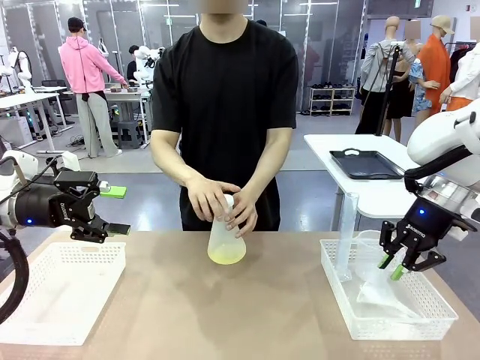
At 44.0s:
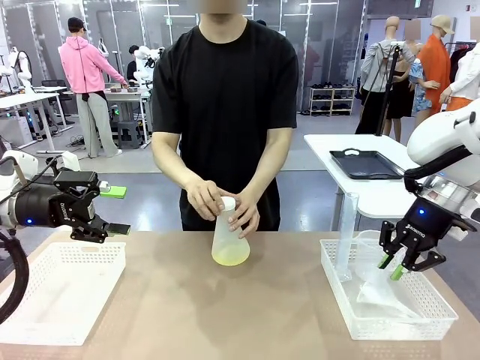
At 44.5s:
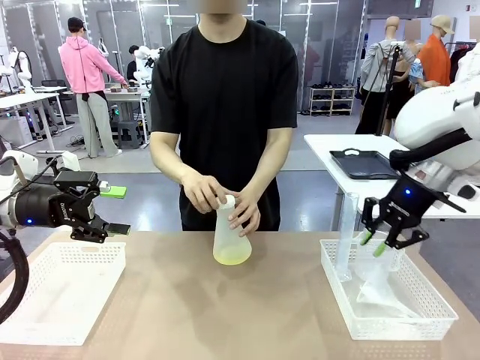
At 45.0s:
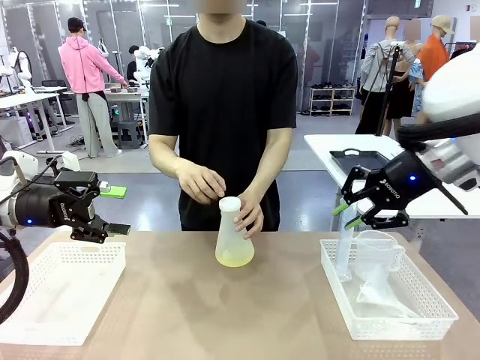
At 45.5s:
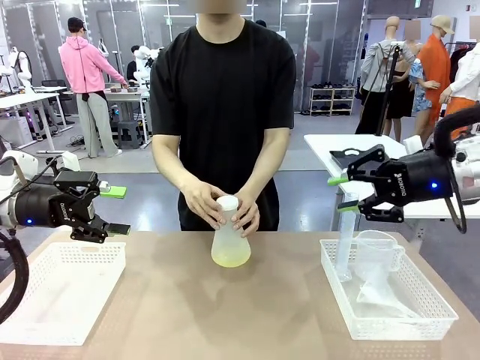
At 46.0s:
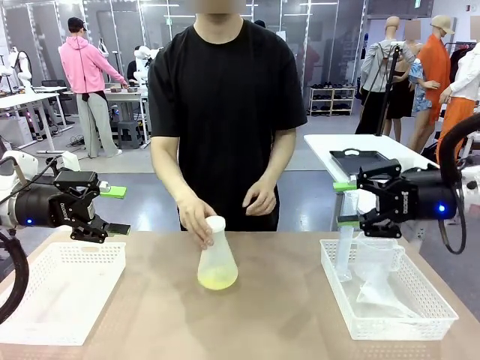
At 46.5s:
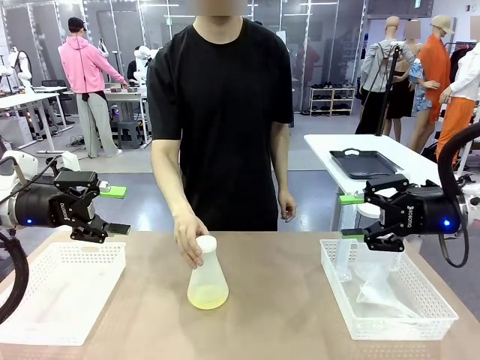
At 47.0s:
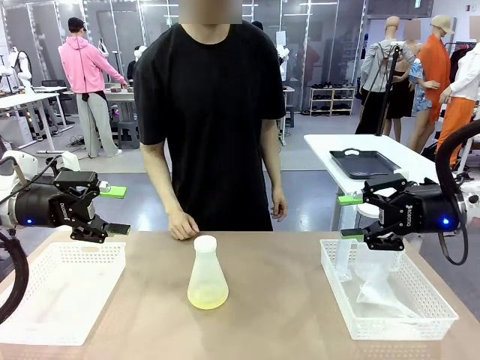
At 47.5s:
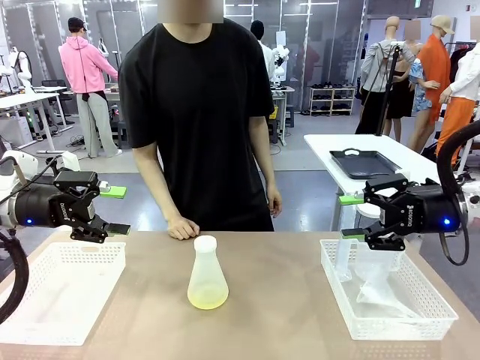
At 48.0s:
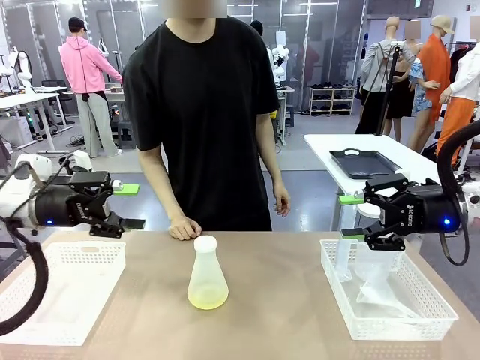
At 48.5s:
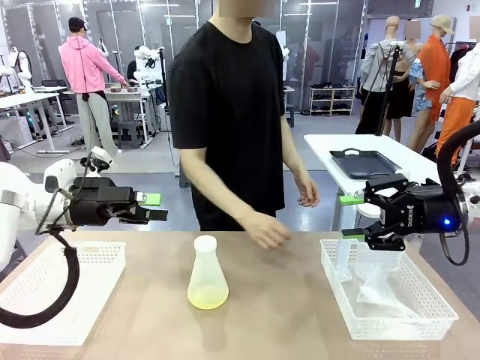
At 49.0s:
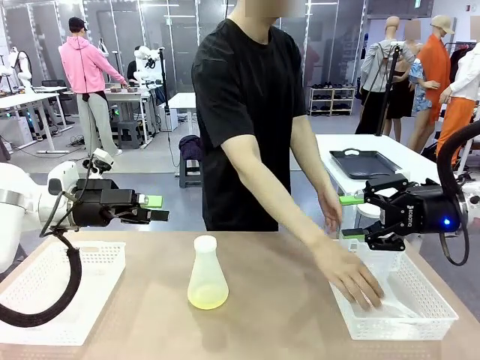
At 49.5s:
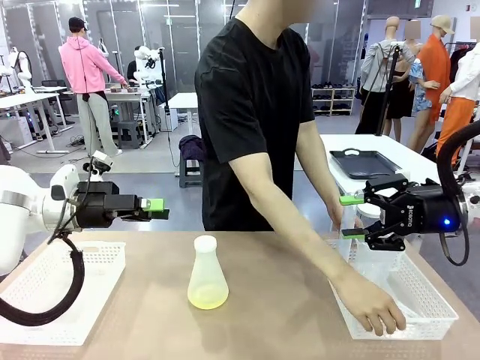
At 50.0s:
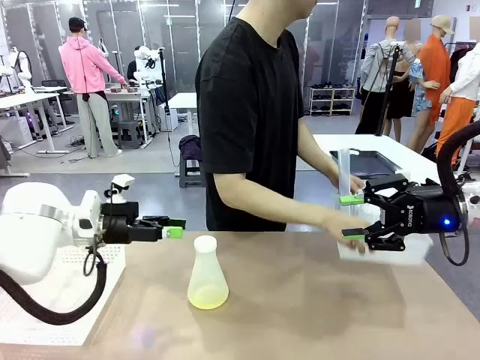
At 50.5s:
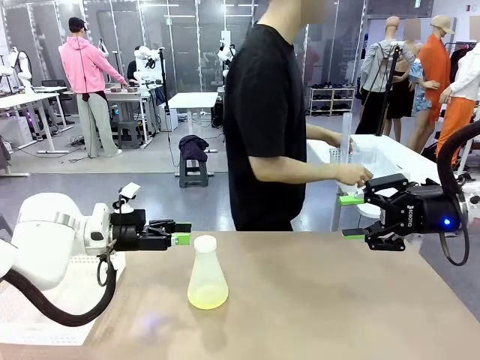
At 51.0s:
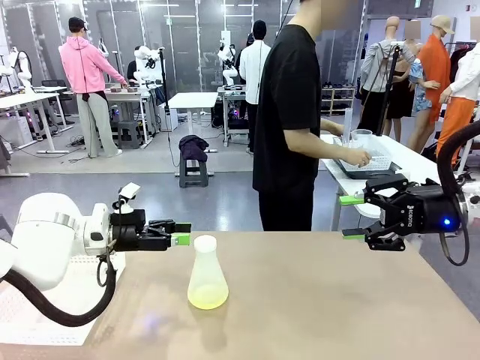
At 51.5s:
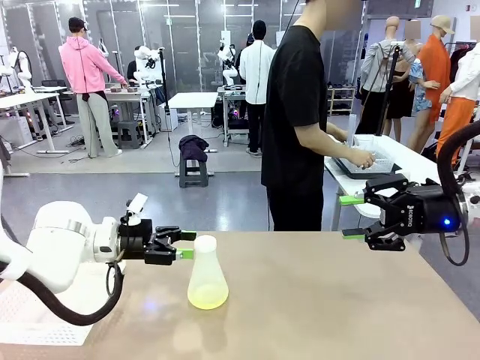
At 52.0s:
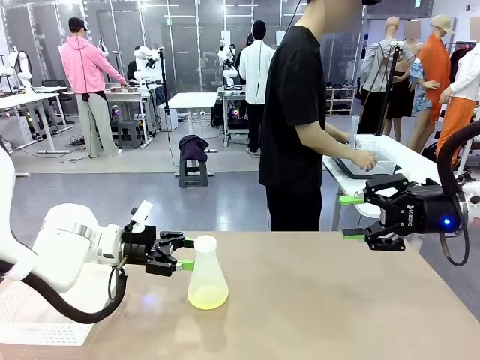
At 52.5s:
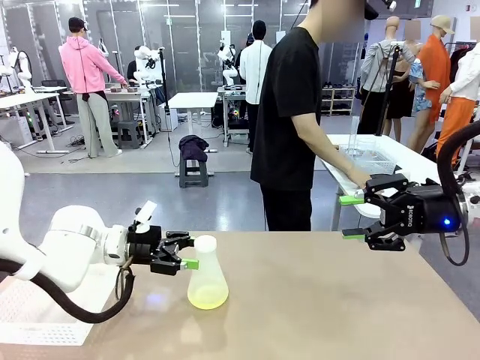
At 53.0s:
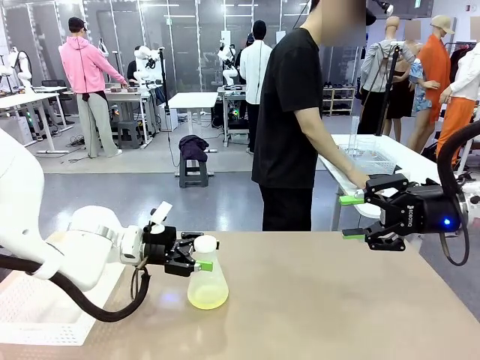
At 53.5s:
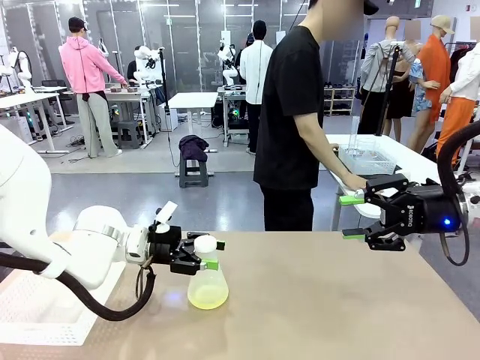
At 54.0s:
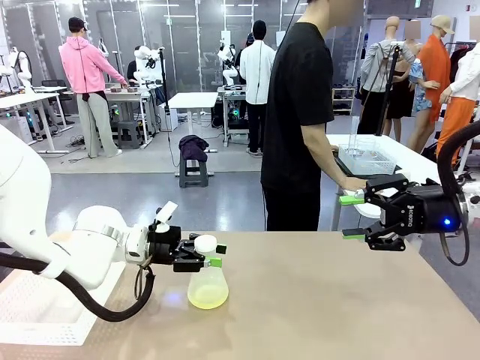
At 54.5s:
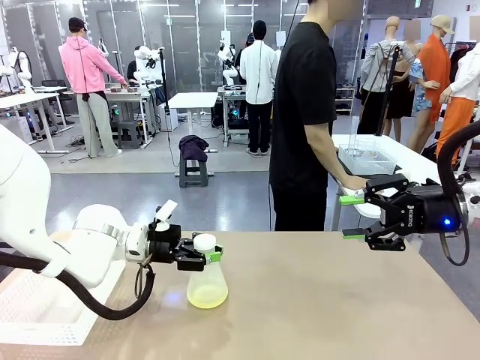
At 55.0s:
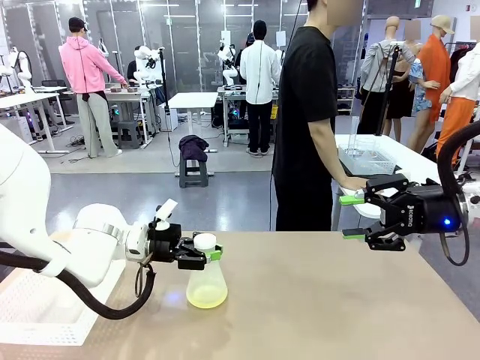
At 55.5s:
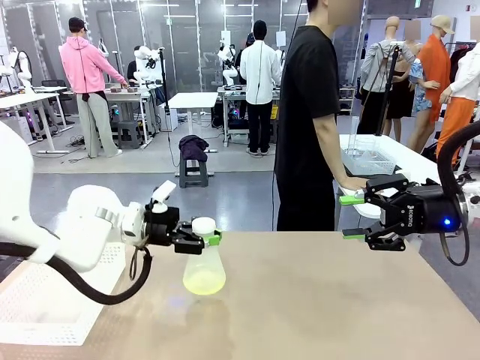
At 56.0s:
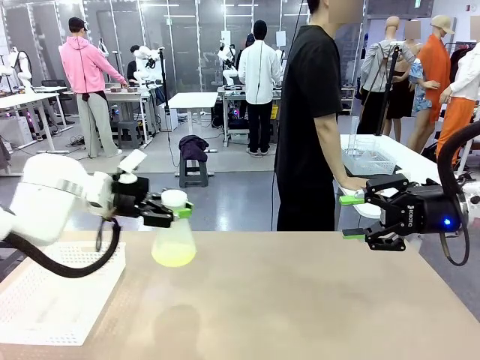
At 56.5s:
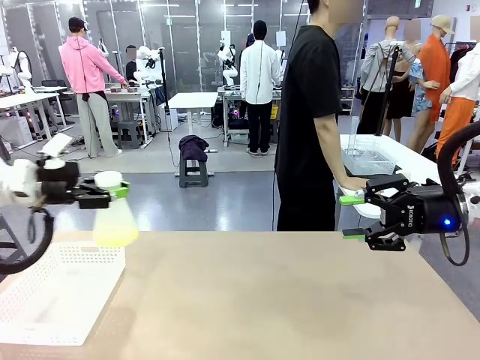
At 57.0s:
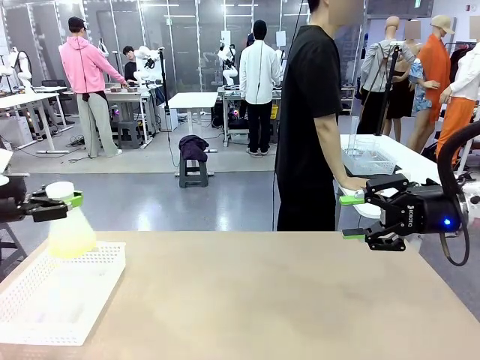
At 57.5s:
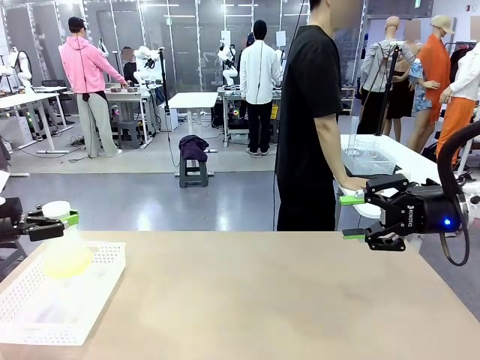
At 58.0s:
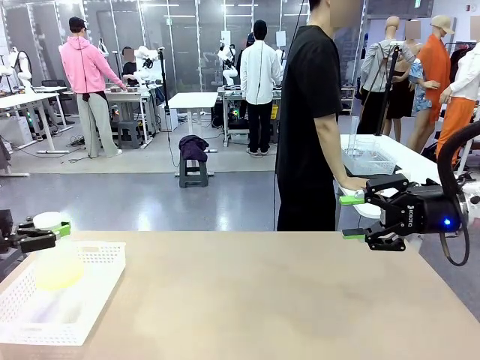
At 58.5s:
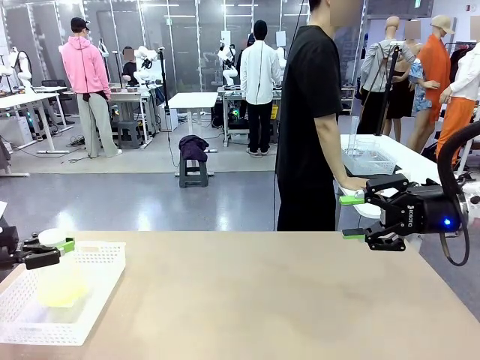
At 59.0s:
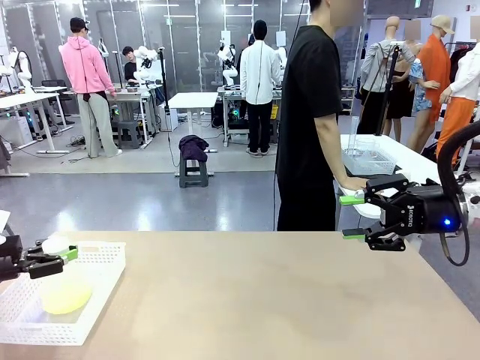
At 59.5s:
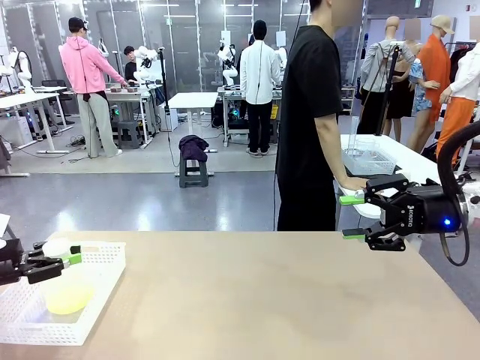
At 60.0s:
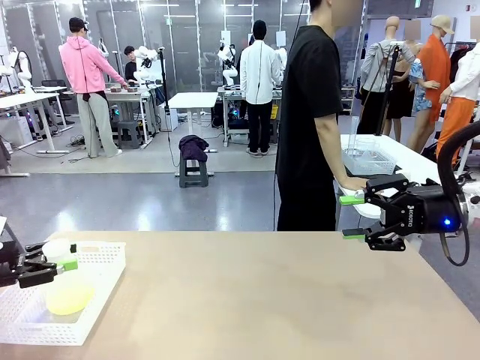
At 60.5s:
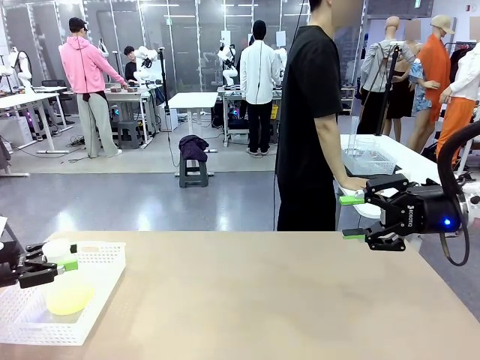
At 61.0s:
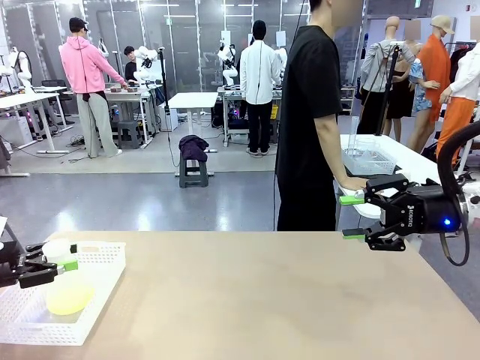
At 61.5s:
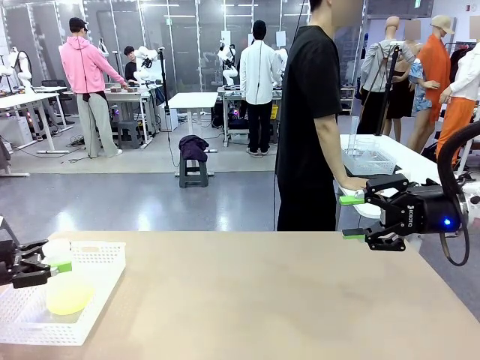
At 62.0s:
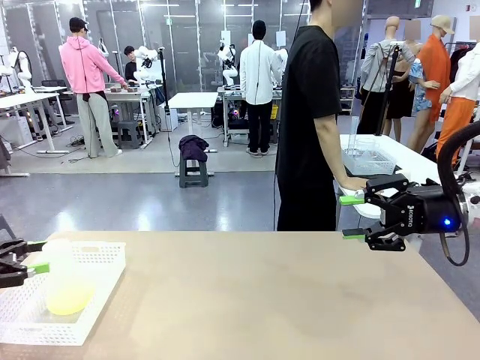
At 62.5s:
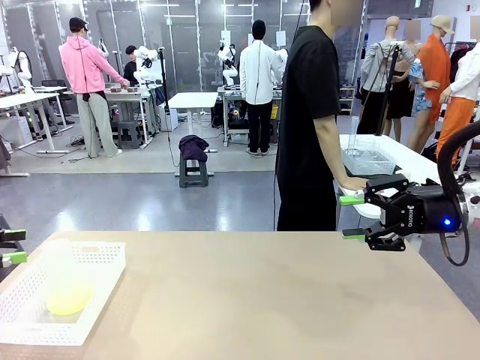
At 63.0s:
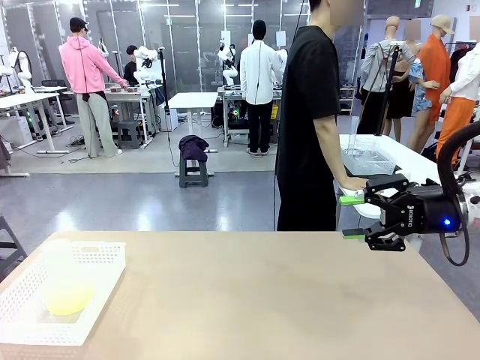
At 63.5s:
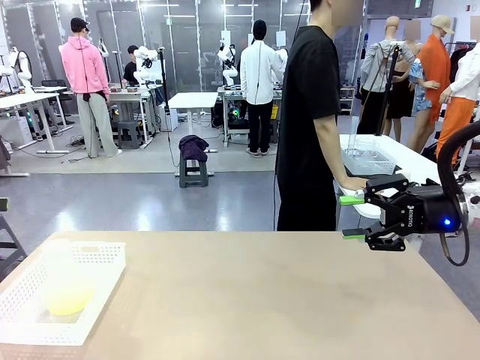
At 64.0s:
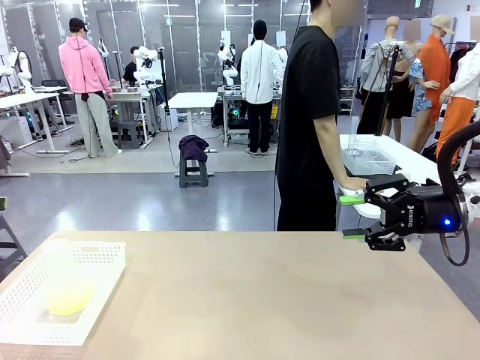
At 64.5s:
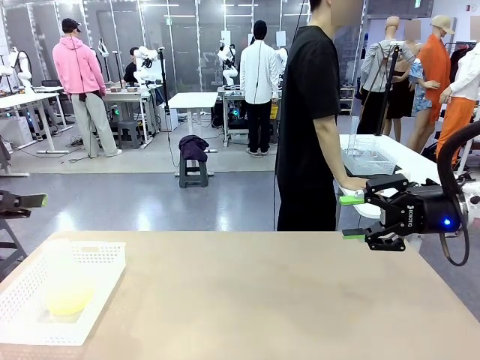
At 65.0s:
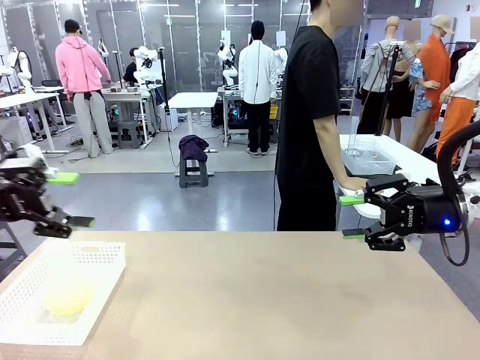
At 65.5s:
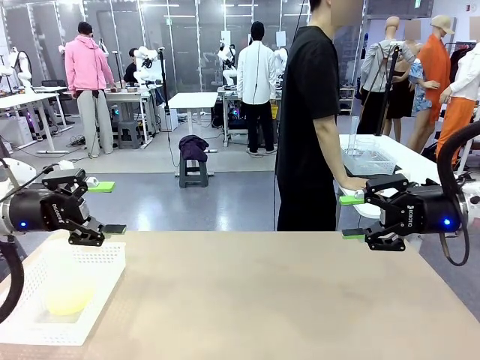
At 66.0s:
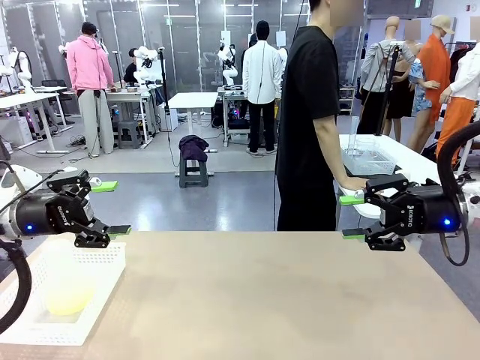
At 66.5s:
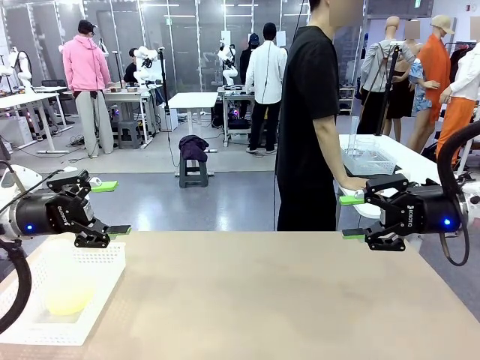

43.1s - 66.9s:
Task: Prepare the solutions needed for the experiment.
Robot: When the human places the Big flask in the center of the table, pick up the Big flask and place it in the left Organizing basket.
Person: Pick up the organizing basket on the left side of the robot table and place it on the left side of the human table.
